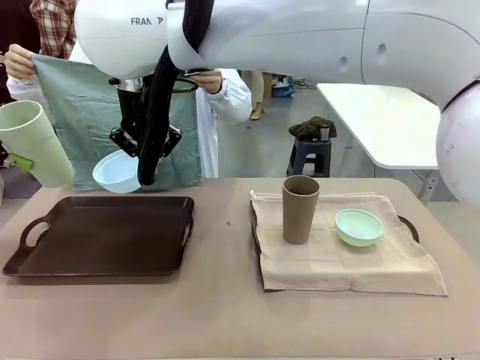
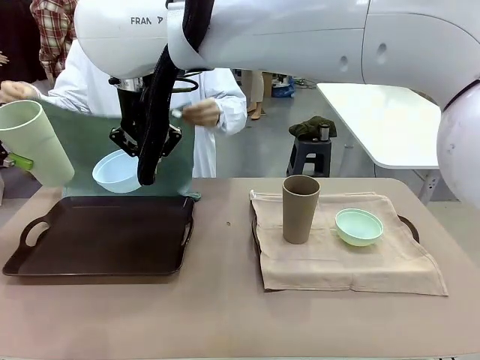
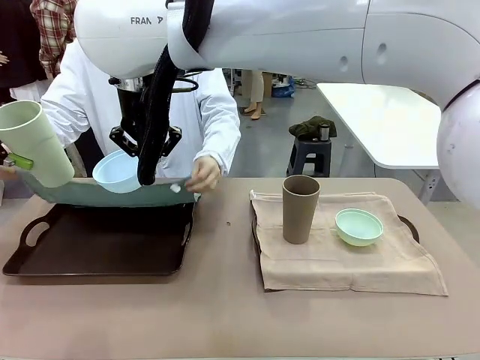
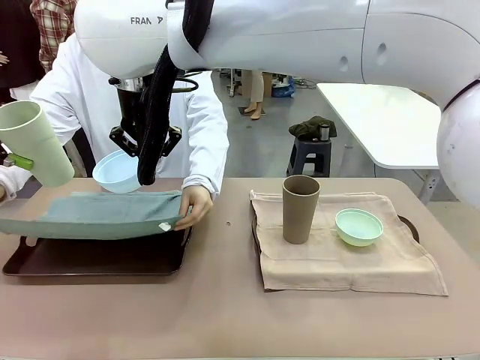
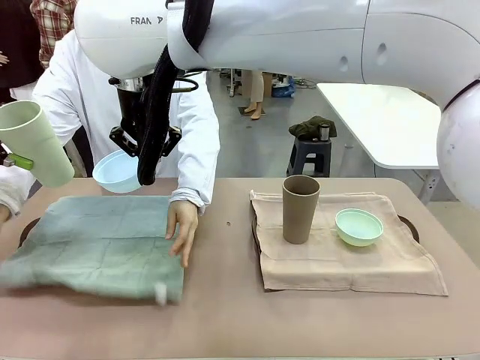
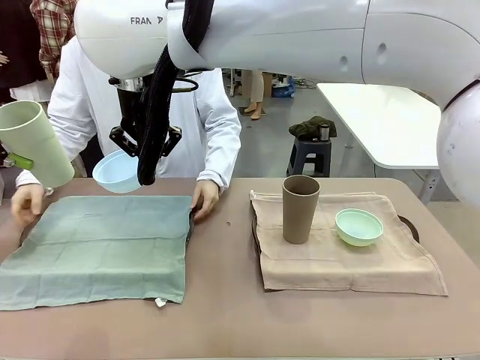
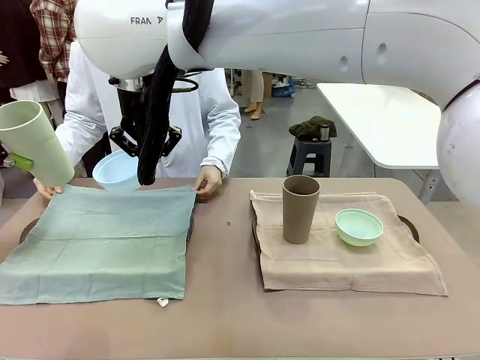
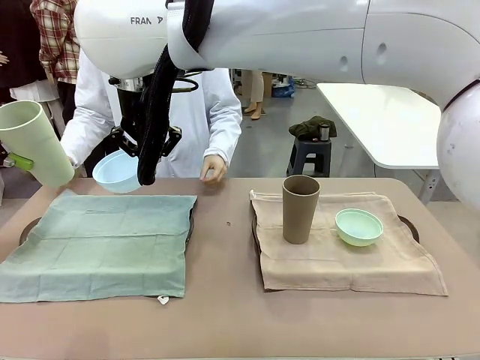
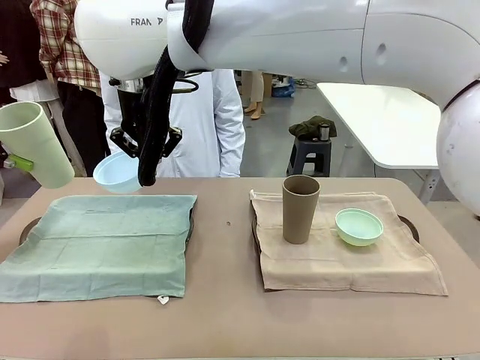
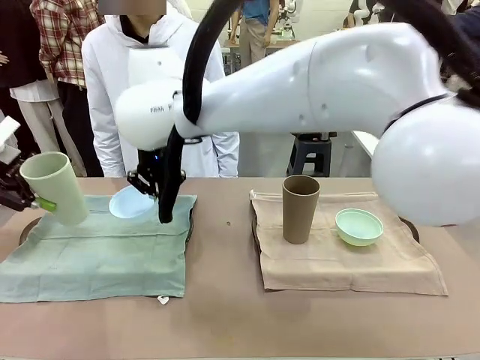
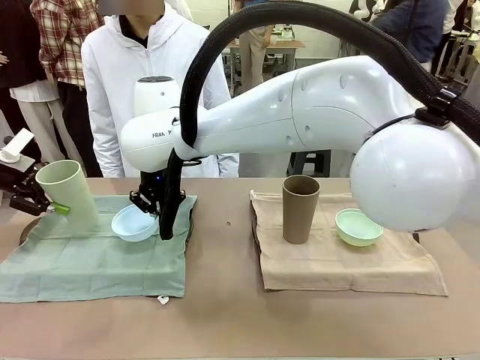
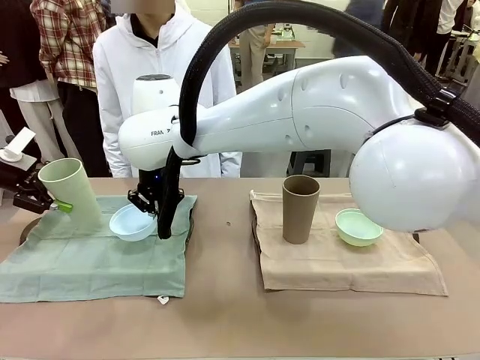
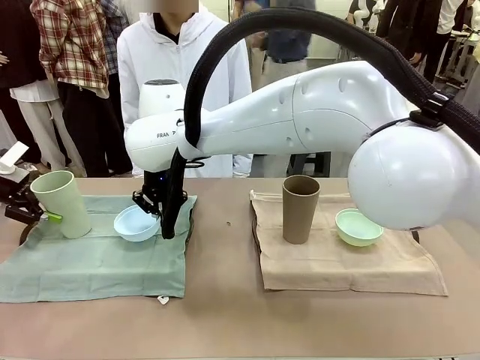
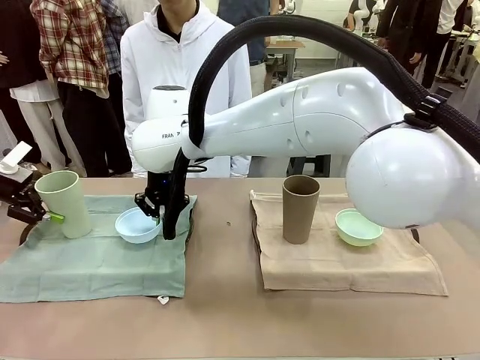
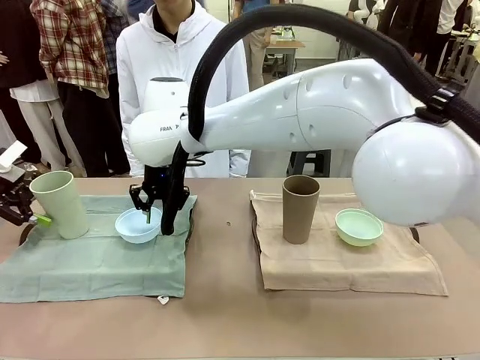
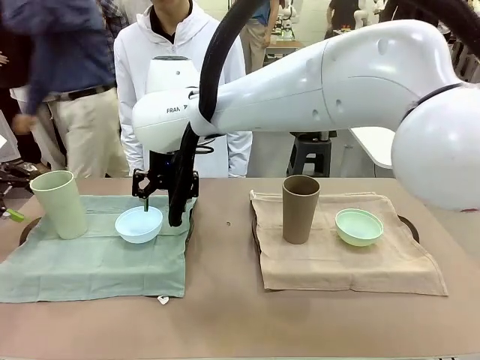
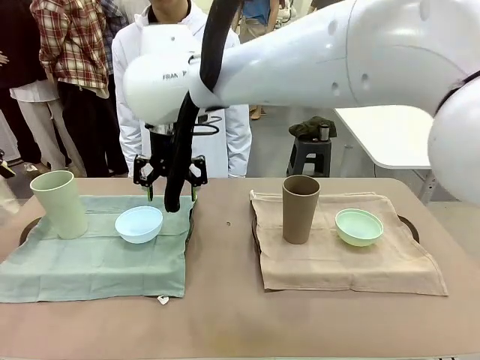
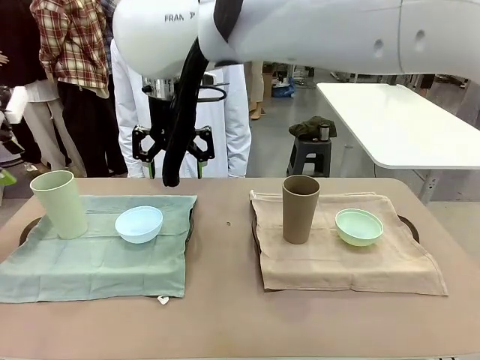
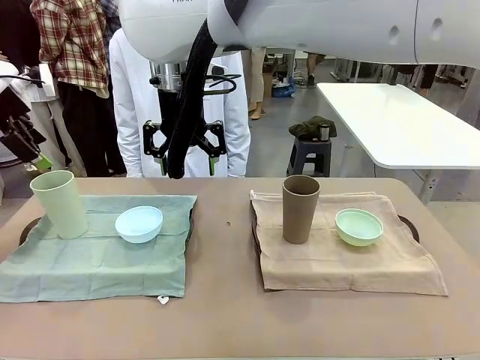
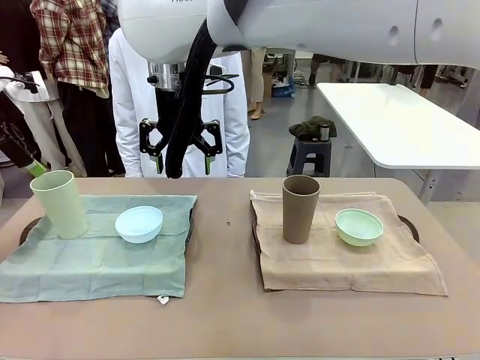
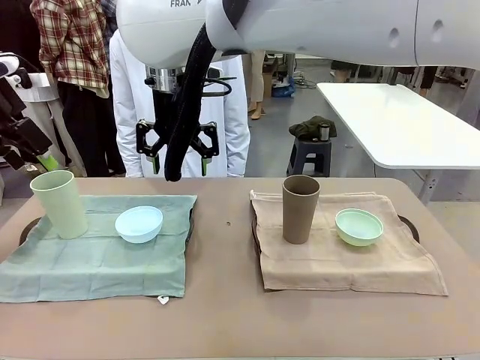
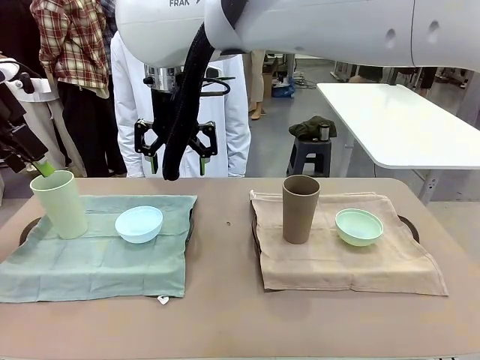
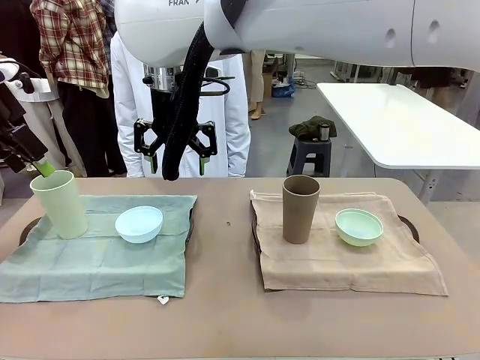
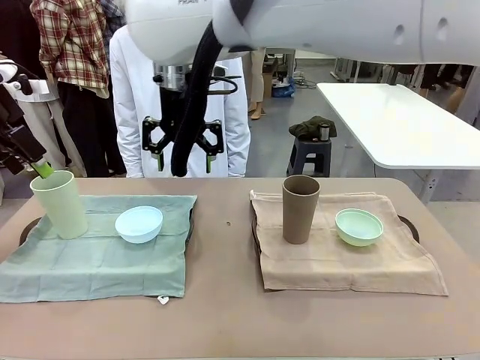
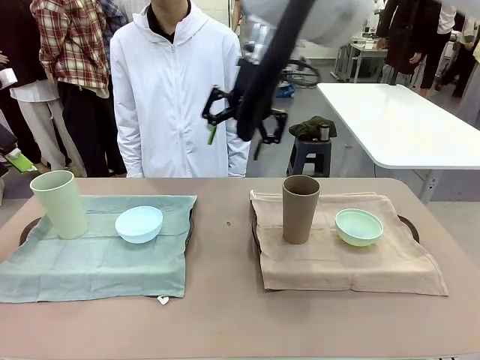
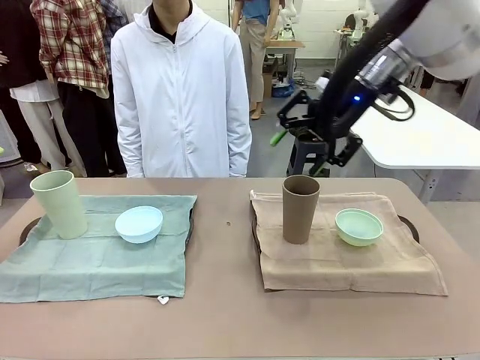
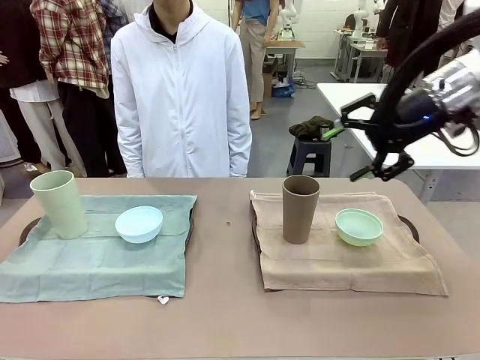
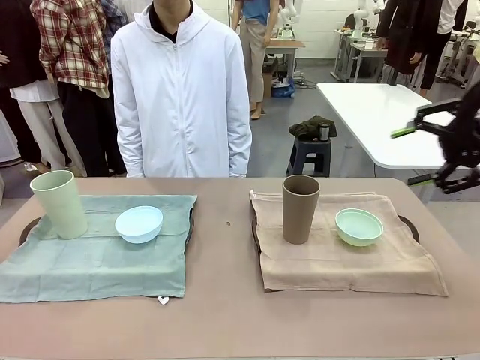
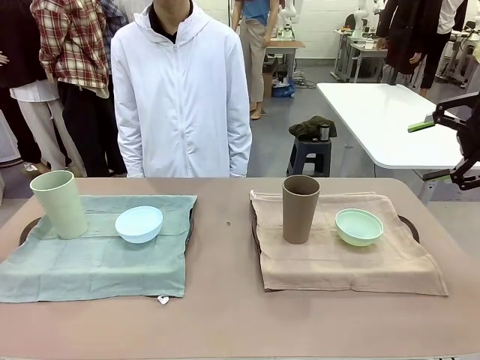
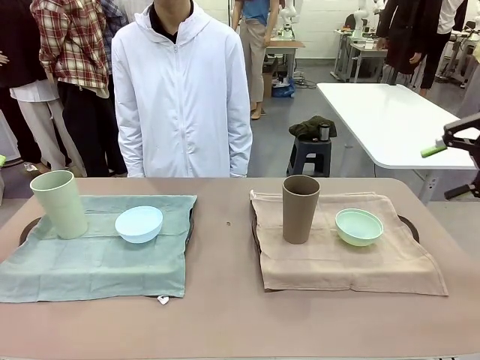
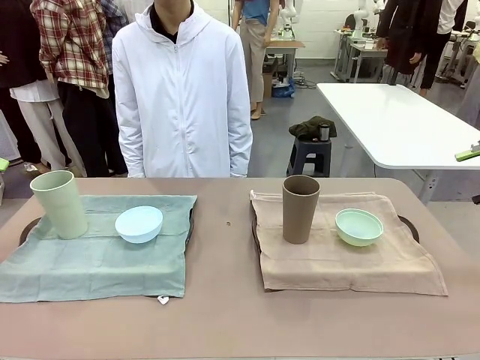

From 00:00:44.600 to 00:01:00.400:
Robot: Place the Picnic Bowl and Reusable plastic cup back onto the Handle tray in front of the human's position.
Person: When the robot lifts the bowl and the cup, the human unfolds the napkin and lays the napkin flat on the tray.

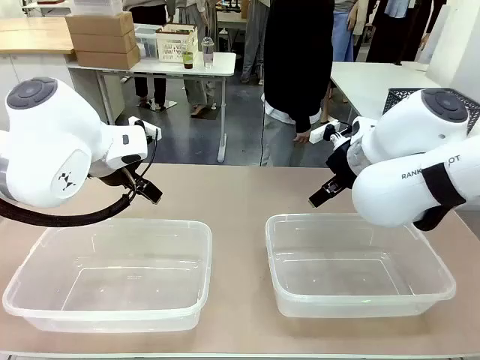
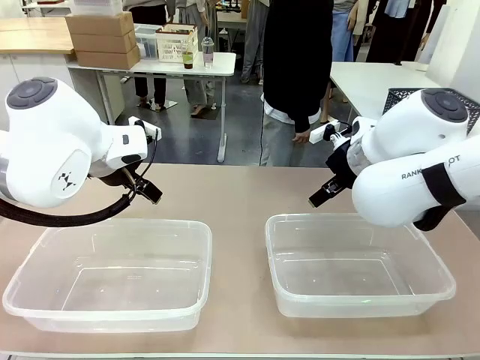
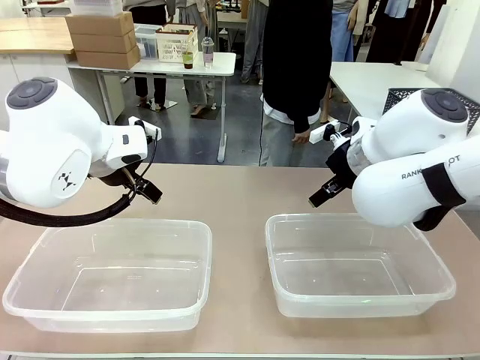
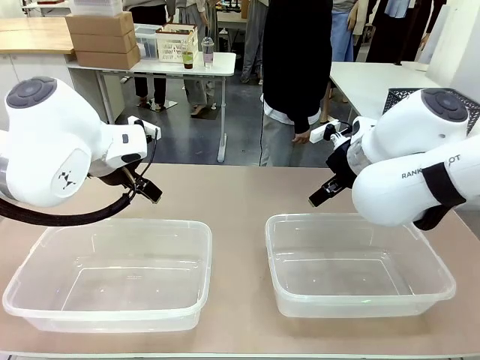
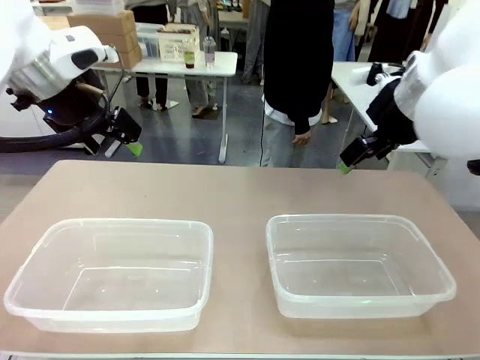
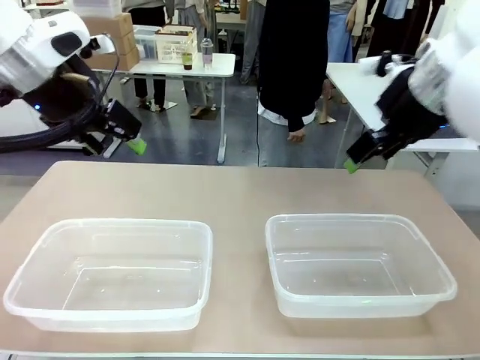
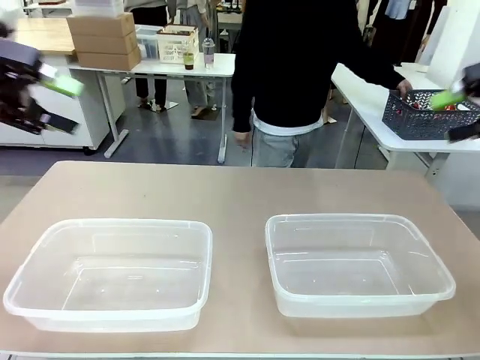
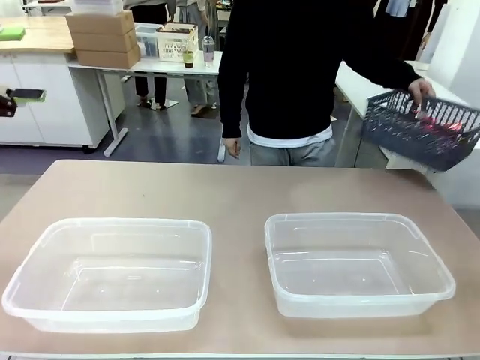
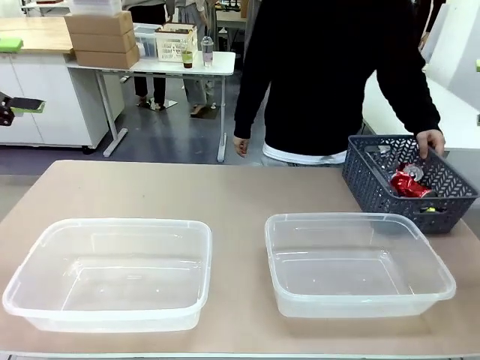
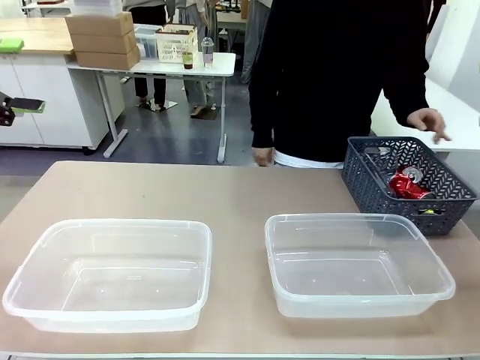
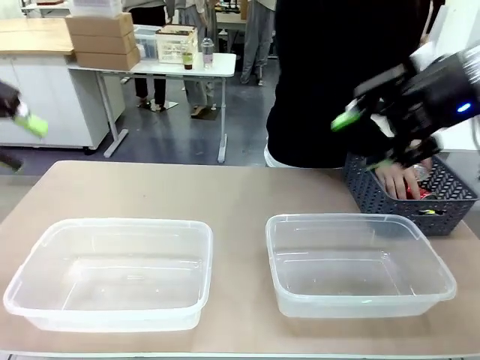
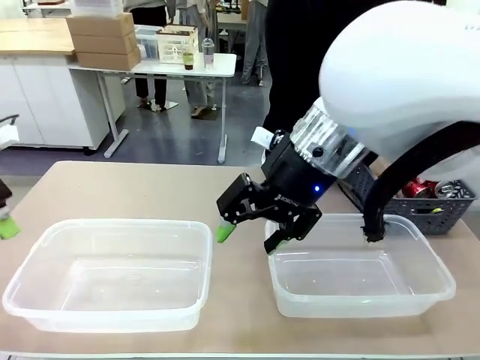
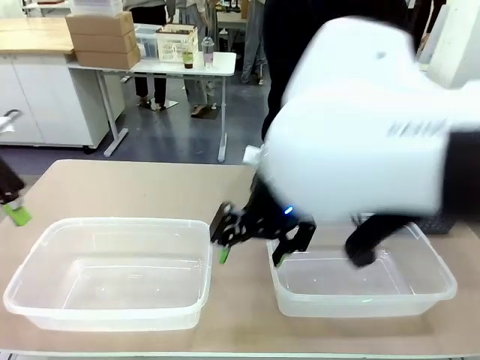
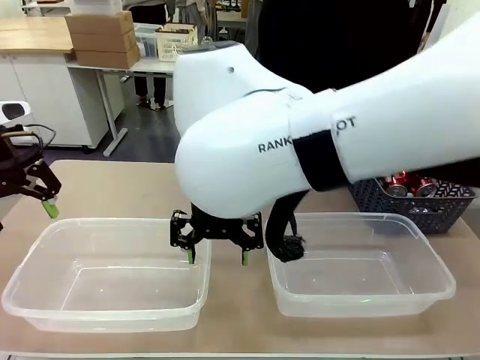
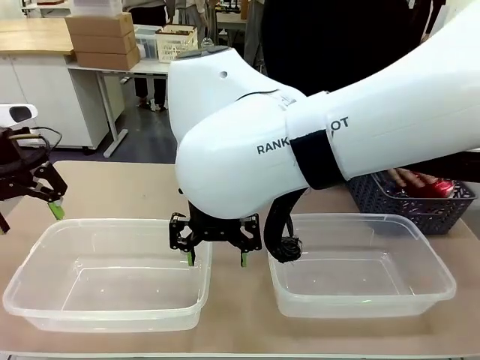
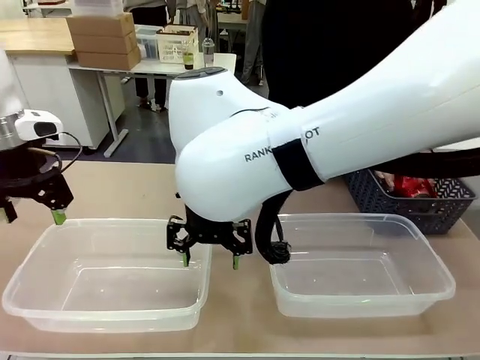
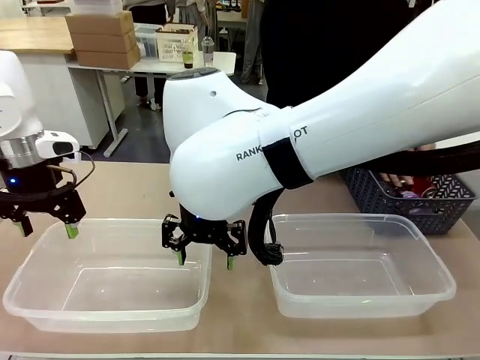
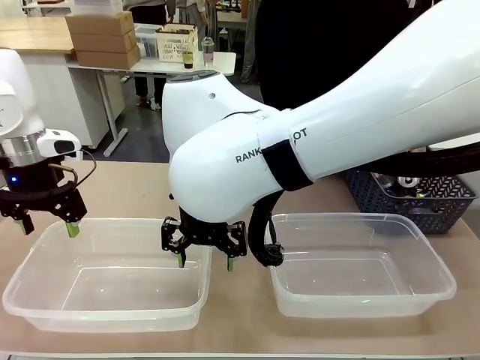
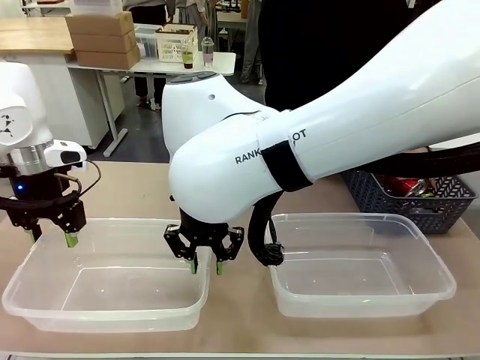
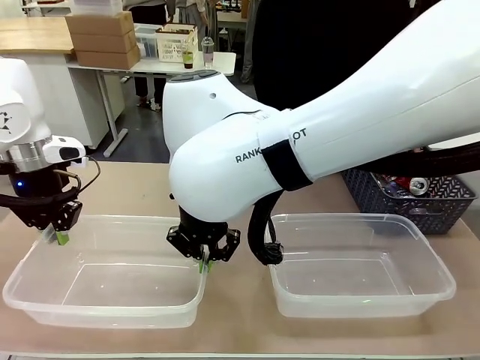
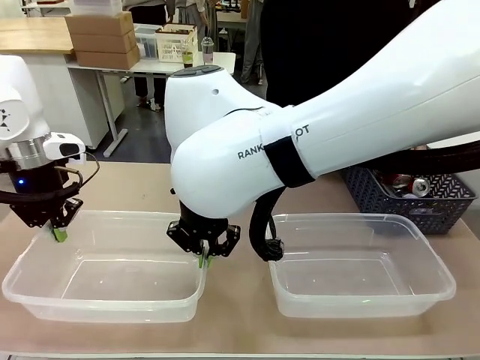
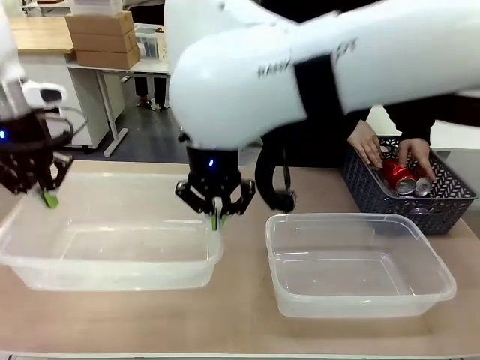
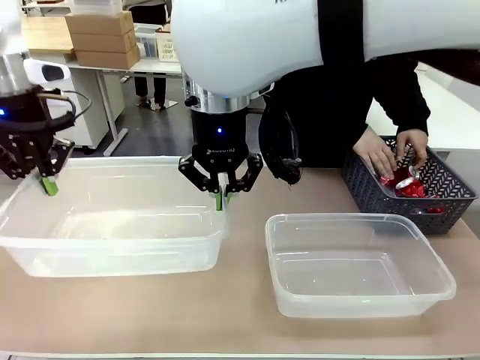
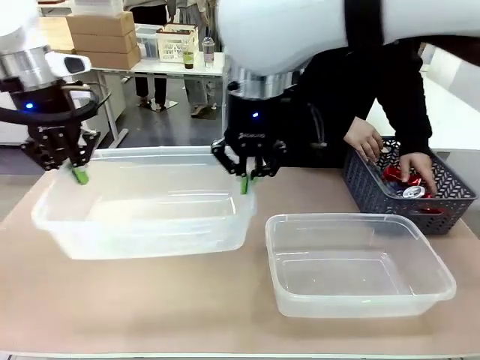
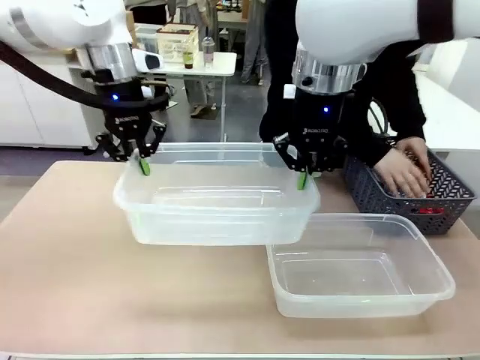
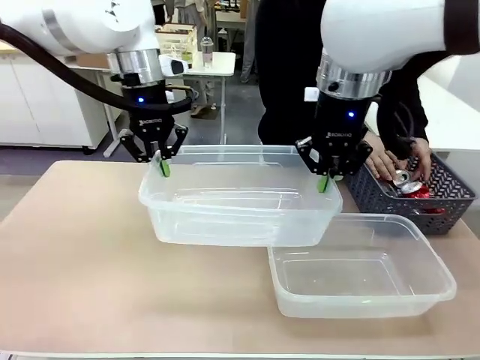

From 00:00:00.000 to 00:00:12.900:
Robot: Pick up the Organizing box on the left side of the table and lift it.
Person: Pick up the storage basket and place it on the left side of the robot table. Pick up can-shaped waste one by one and place it into the organizing box lifted by the robot.
